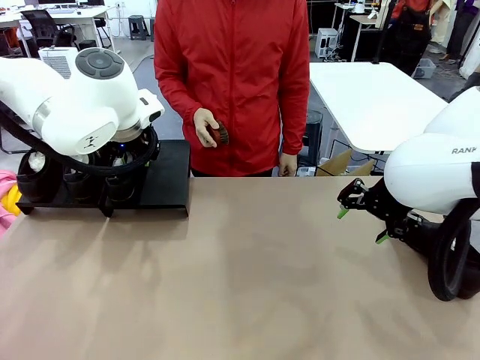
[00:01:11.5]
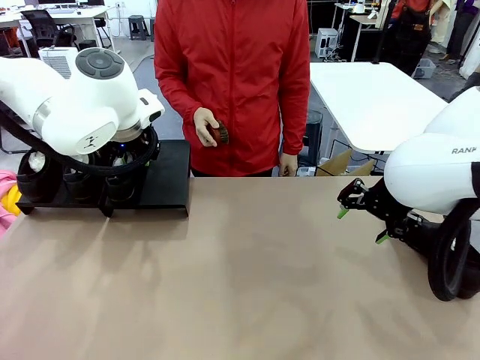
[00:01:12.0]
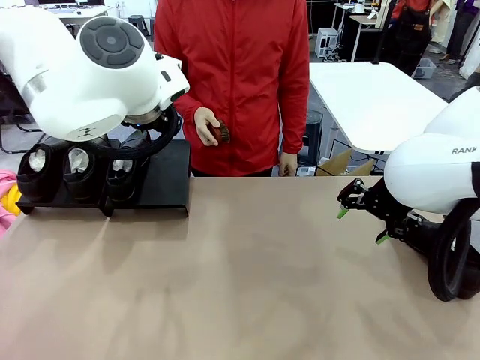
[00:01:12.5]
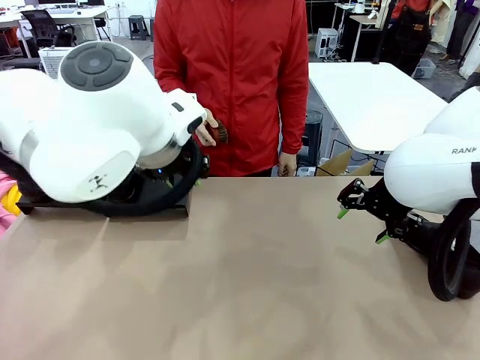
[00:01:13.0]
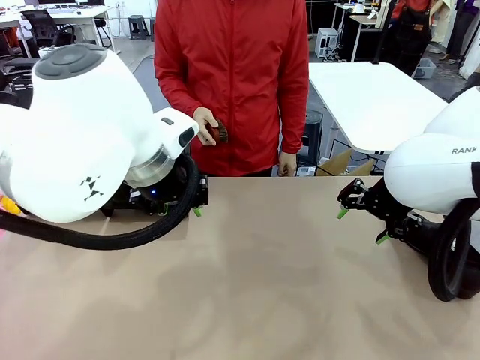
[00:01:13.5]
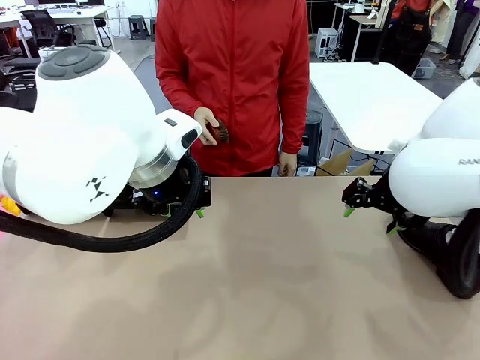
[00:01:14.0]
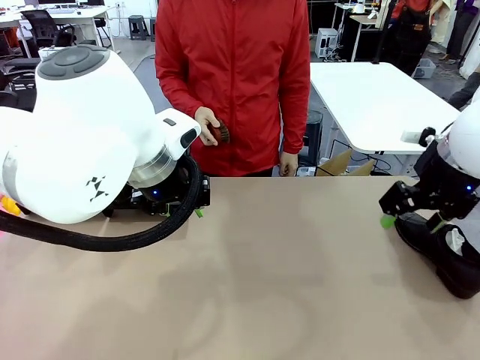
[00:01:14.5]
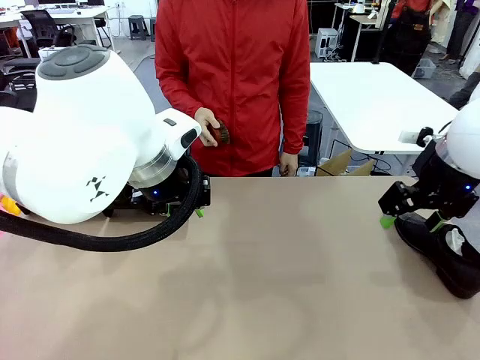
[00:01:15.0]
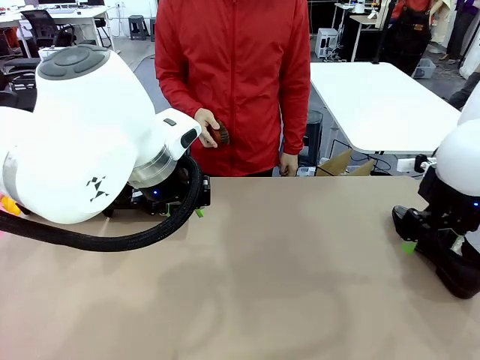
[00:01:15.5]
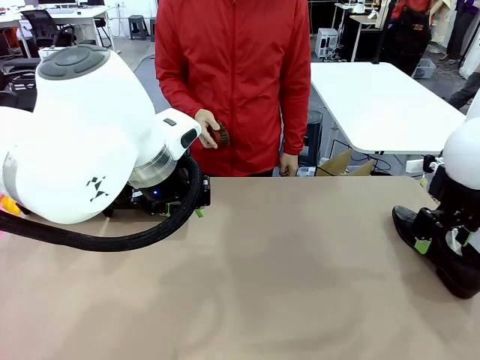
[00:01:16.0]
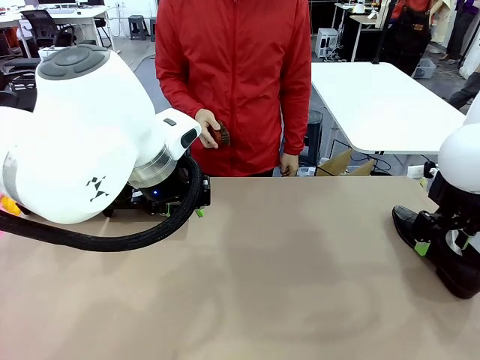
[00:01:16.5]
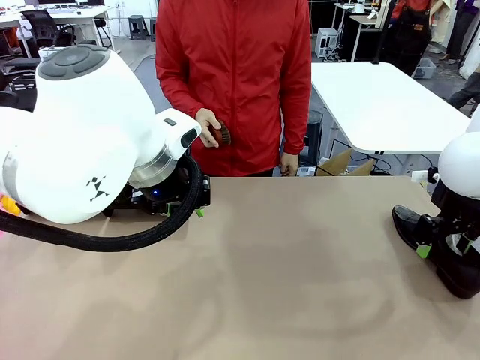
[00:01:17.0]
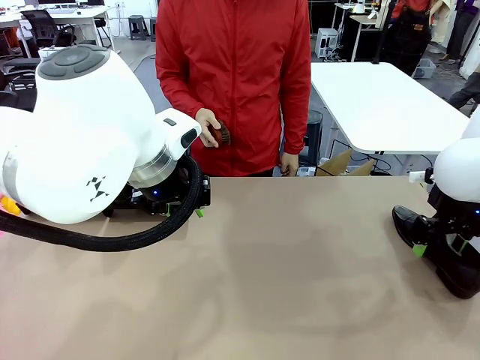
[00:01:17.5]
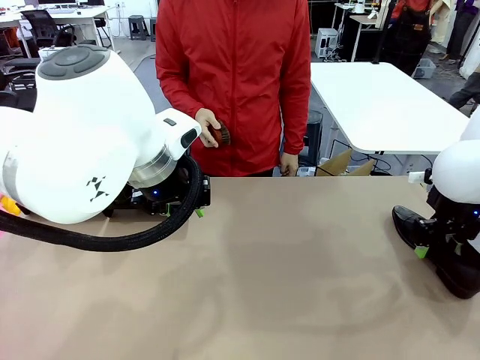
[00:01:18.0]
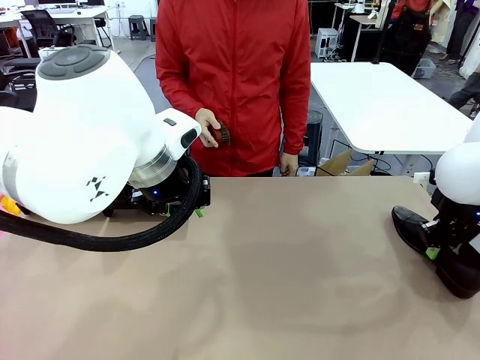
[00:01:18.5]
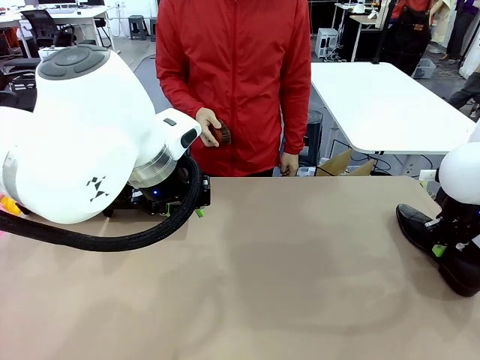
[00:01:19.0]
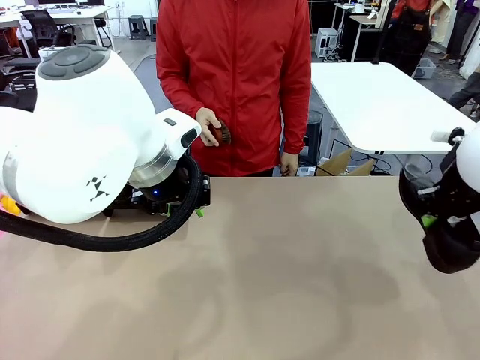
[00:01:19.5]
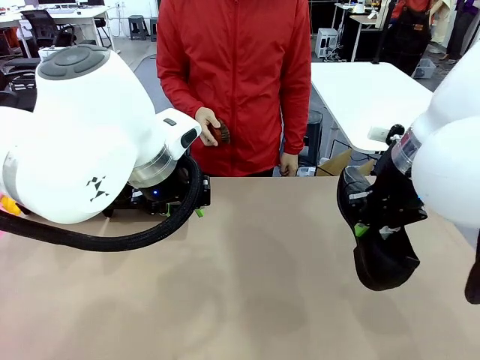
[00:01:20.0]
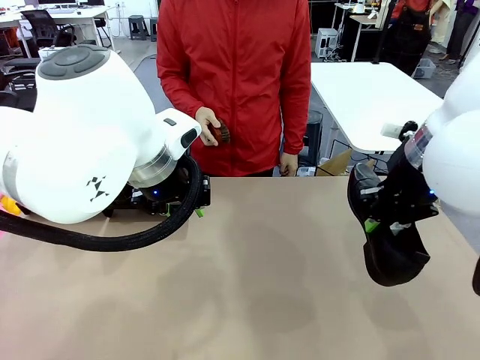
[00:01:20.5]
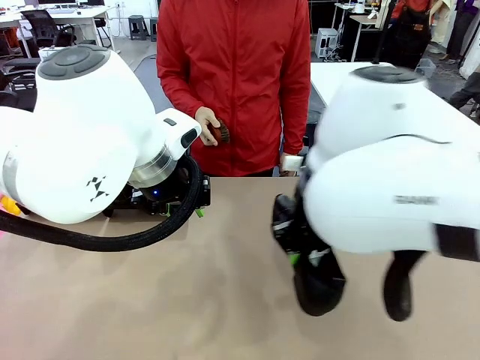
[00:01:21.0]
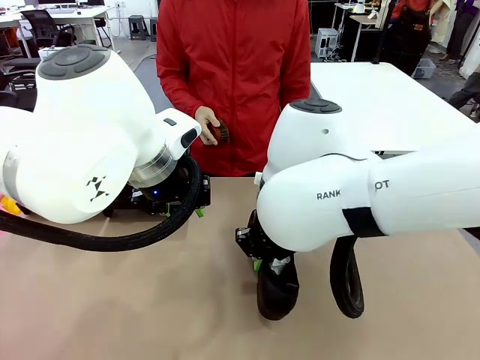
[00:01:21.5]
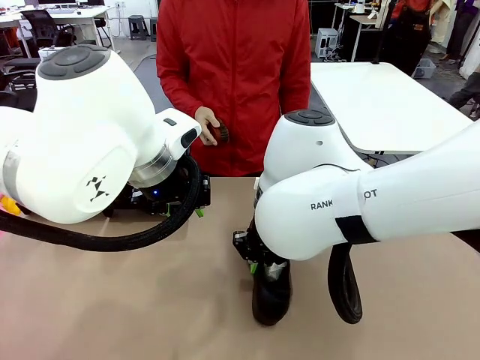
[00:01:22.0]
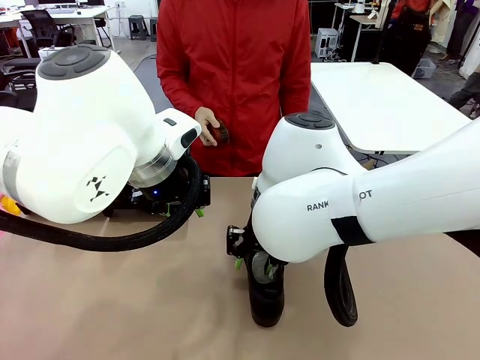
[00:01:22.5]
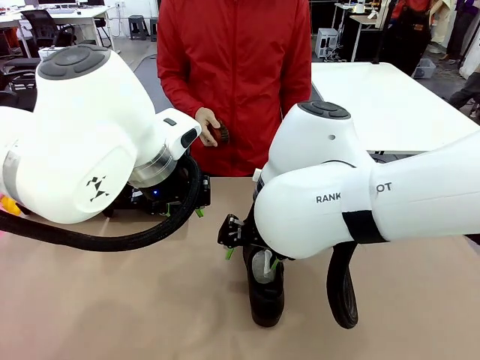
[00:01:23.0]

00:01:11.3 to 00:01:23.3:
Task: Organize the shoes by placing them on the stand.
Robot: Pick up one Shoe and place it in the middle of the table.

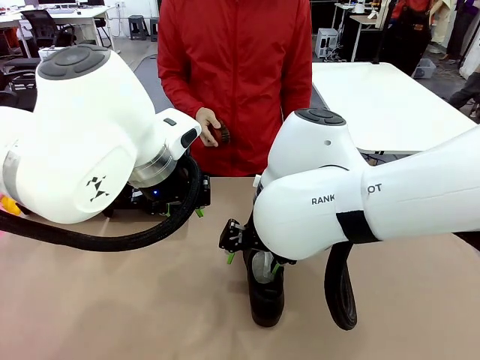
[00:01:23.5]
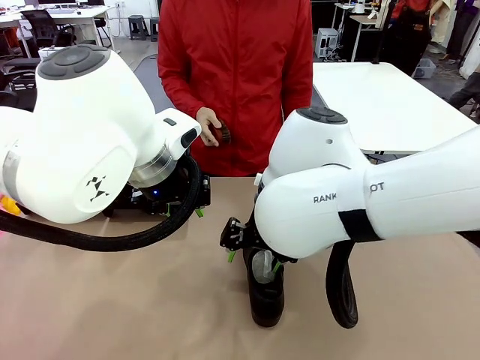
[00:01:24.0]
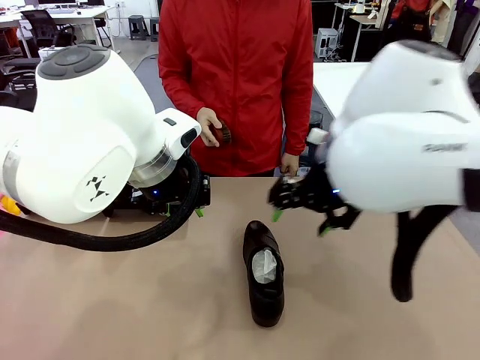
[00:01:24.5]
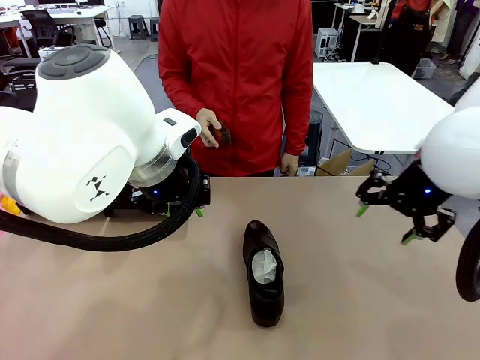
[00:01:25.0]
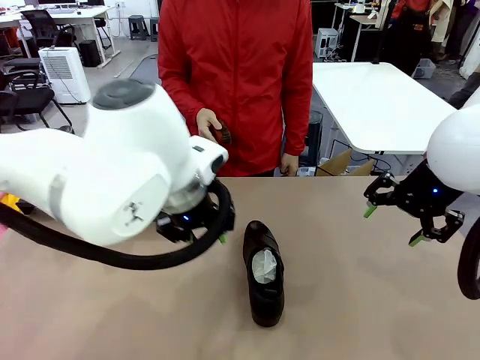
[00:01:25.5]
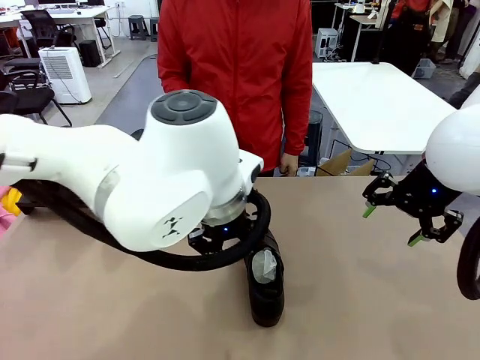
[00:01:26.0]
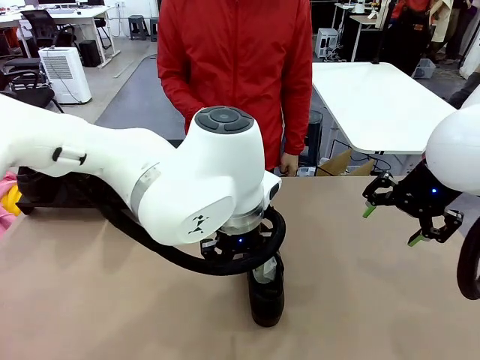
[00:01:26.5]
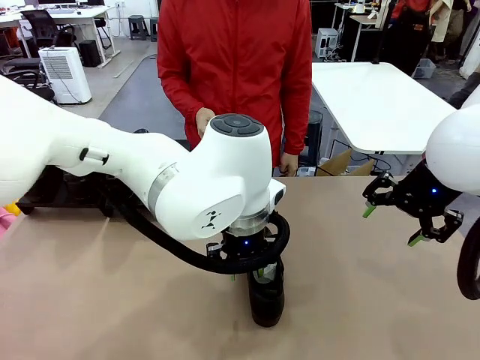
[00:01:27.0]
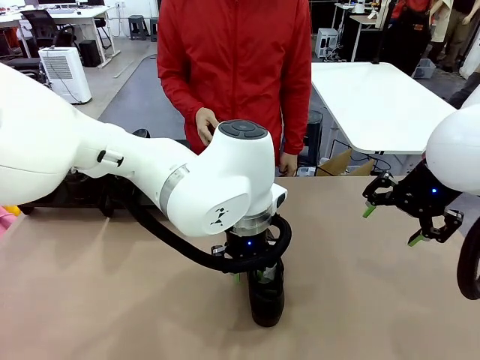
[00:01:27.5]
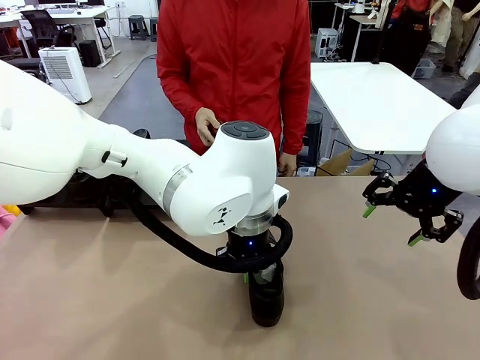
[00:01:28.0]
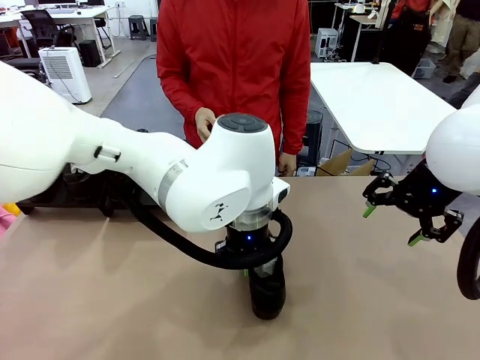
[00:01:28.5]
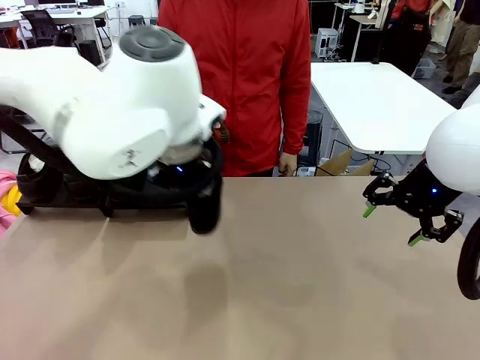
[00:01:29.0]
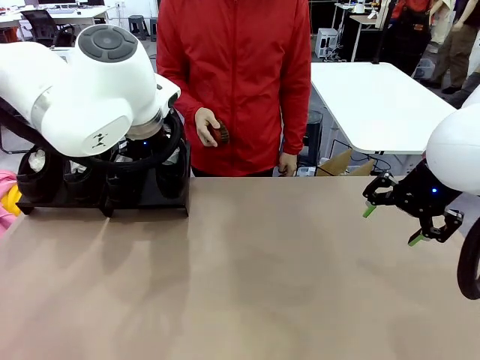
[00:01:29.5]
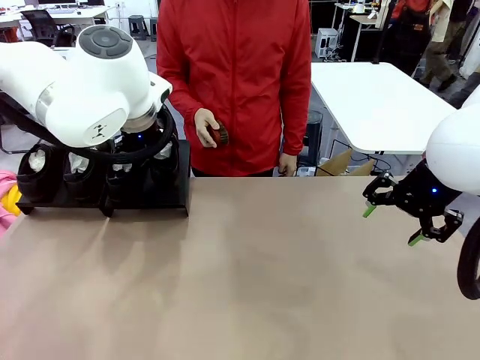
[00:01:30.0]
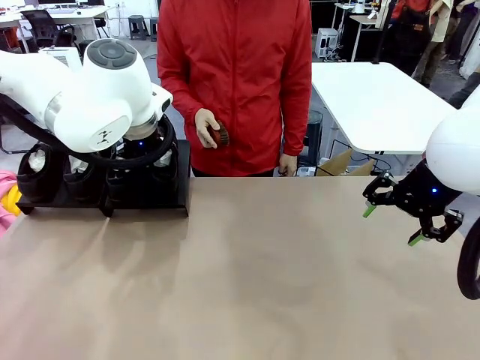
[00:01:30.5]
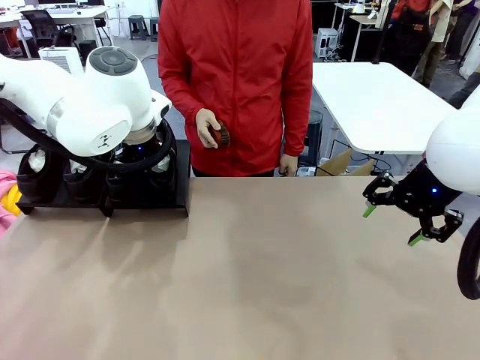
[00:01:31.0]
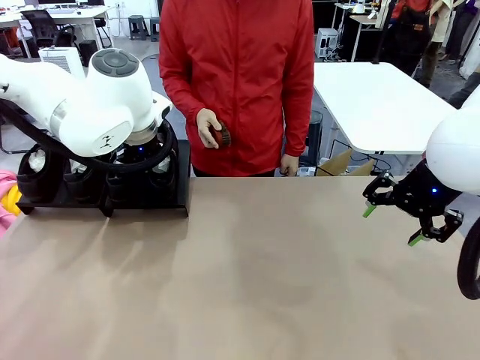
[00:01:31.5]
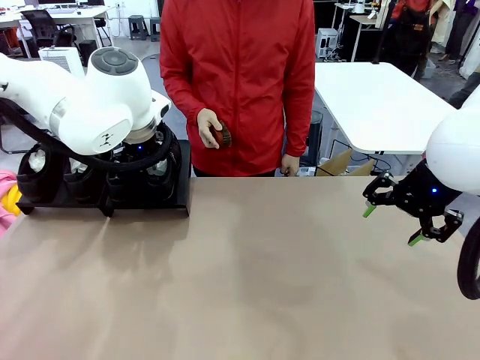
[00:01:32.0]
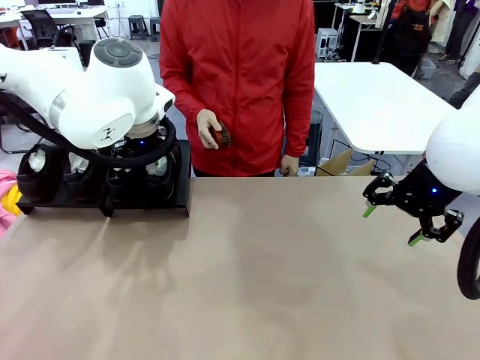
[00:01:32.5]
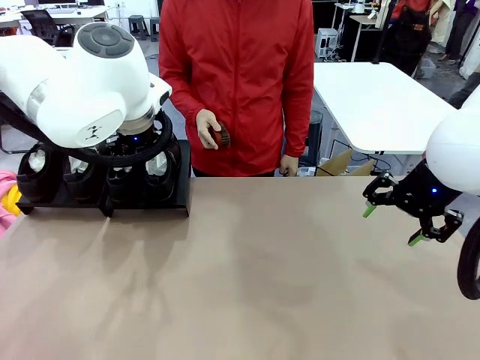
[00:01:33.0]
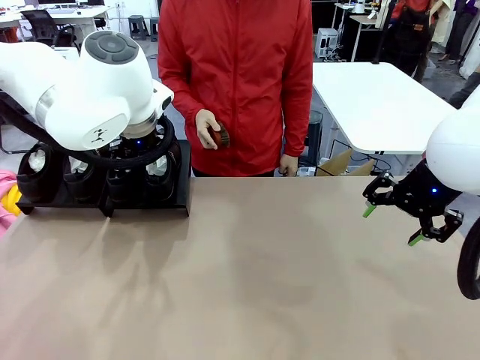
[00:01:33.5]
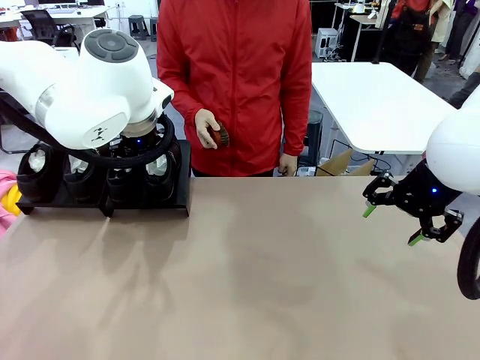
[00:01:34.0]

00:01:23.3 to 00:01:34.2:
Robot: Place the Shoe from the middle of the table onto the Shoes Stand.
